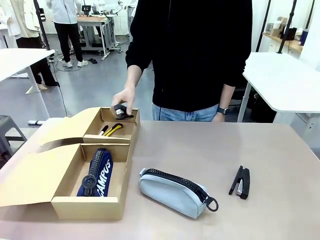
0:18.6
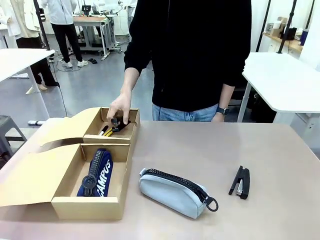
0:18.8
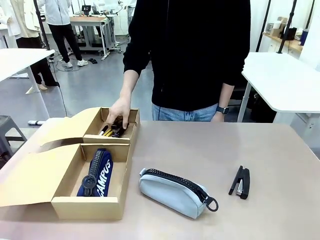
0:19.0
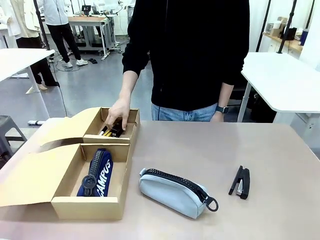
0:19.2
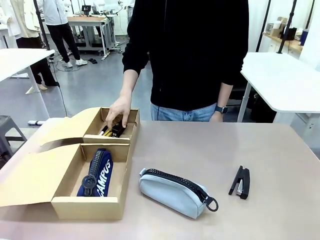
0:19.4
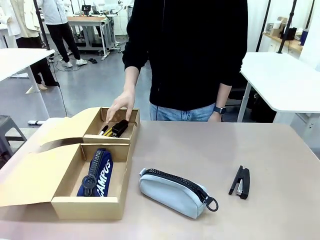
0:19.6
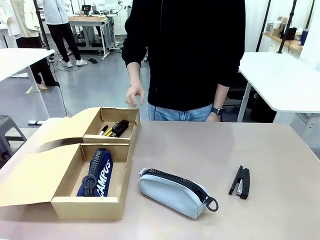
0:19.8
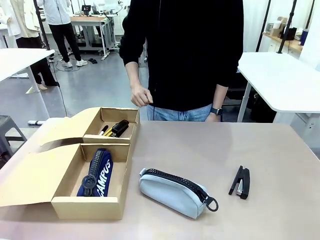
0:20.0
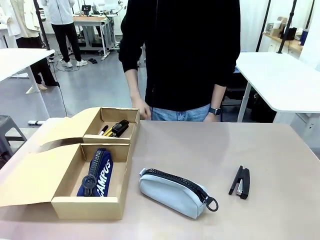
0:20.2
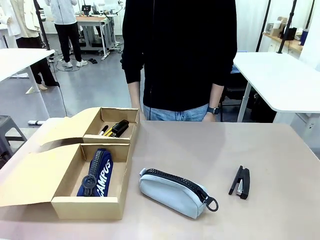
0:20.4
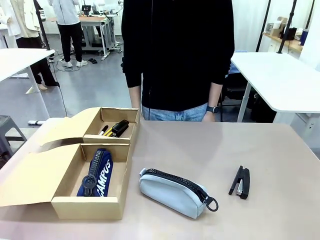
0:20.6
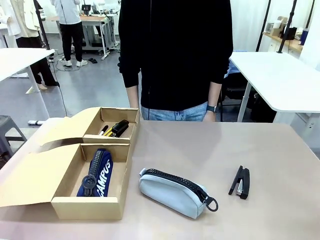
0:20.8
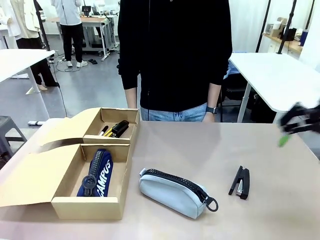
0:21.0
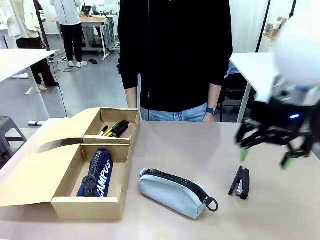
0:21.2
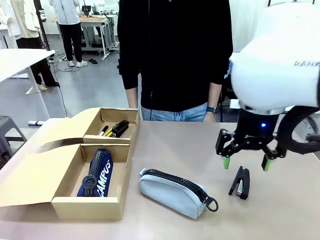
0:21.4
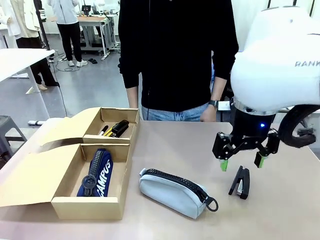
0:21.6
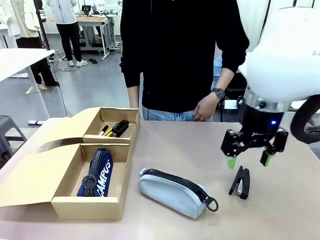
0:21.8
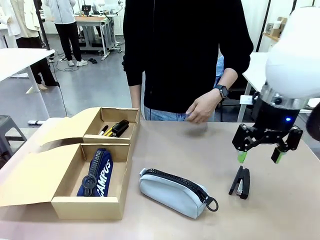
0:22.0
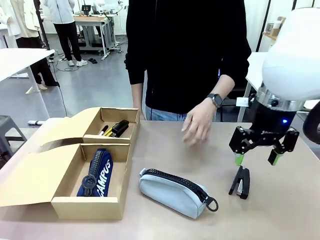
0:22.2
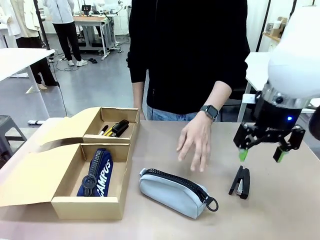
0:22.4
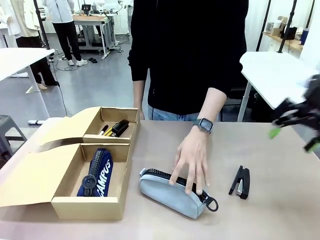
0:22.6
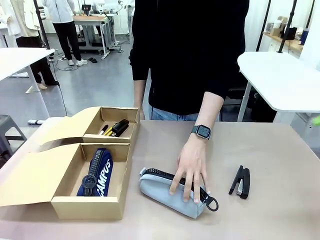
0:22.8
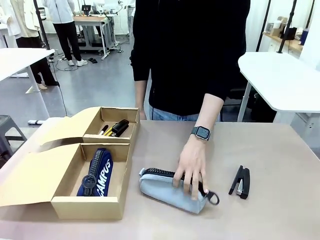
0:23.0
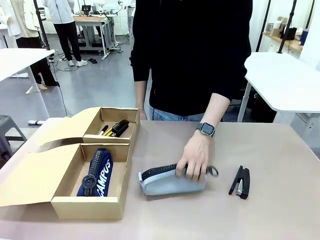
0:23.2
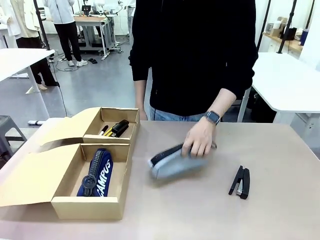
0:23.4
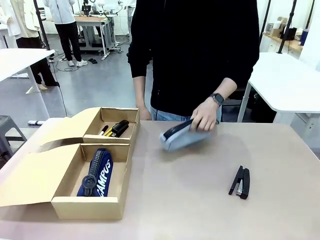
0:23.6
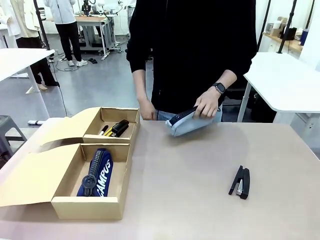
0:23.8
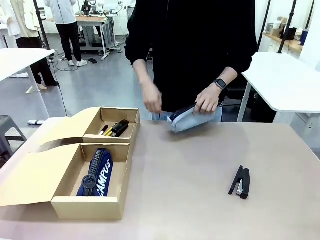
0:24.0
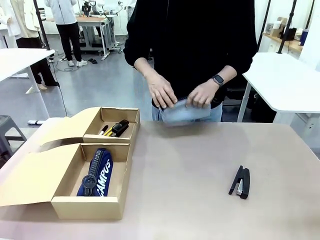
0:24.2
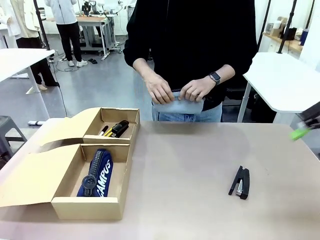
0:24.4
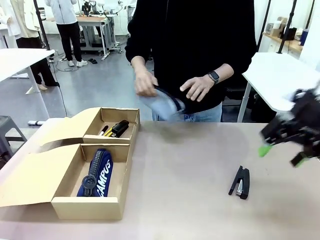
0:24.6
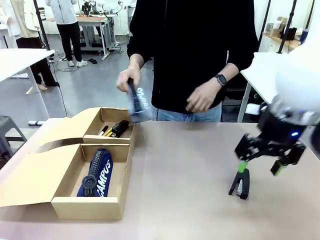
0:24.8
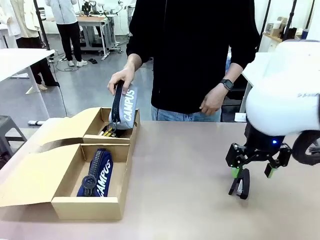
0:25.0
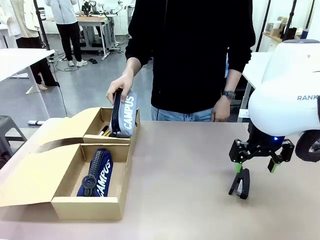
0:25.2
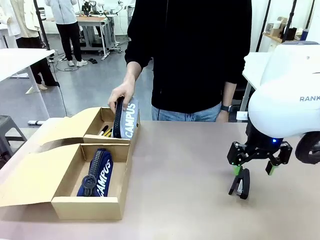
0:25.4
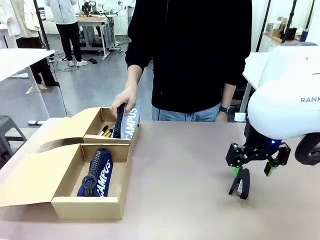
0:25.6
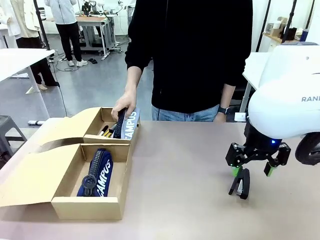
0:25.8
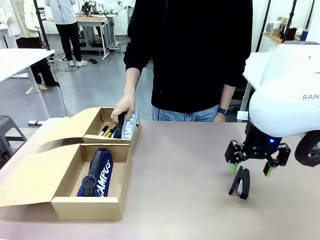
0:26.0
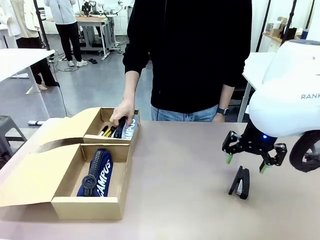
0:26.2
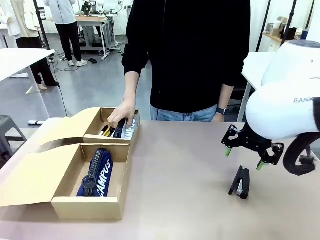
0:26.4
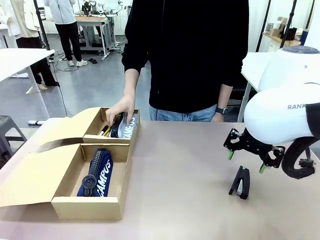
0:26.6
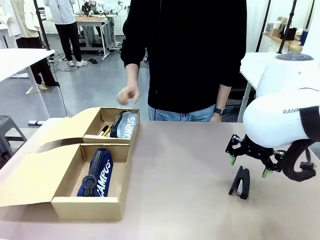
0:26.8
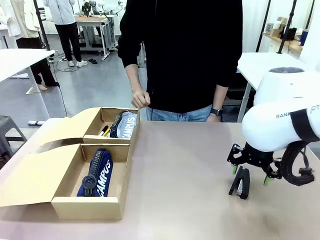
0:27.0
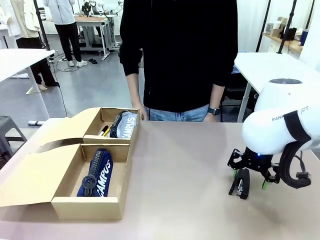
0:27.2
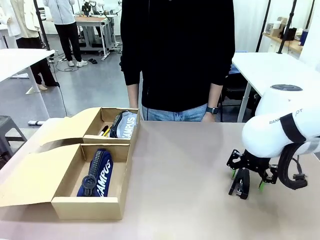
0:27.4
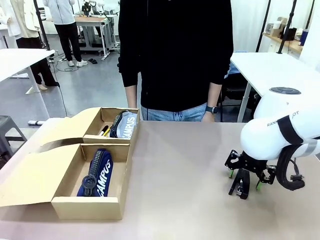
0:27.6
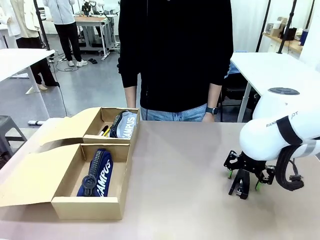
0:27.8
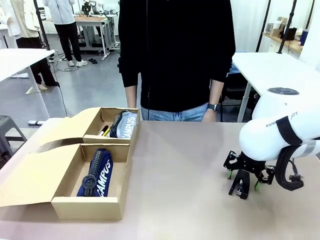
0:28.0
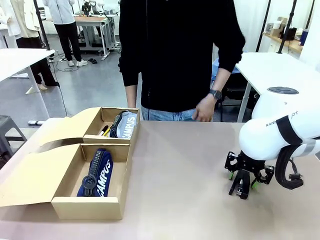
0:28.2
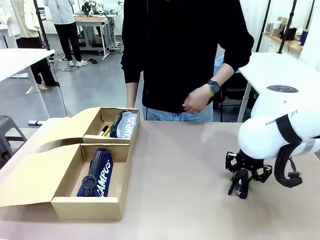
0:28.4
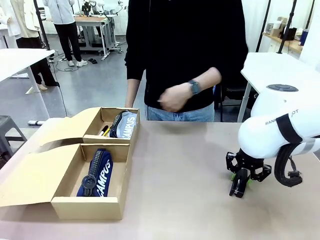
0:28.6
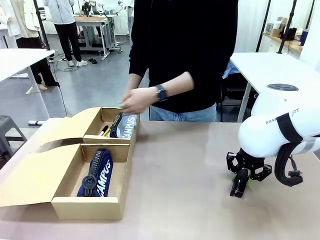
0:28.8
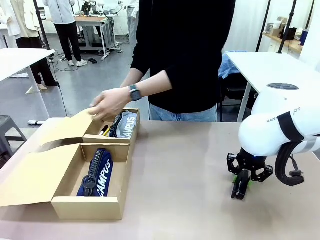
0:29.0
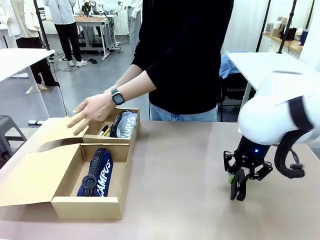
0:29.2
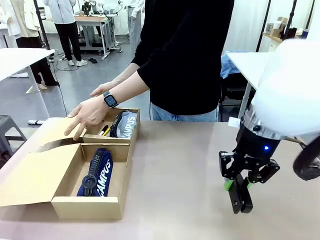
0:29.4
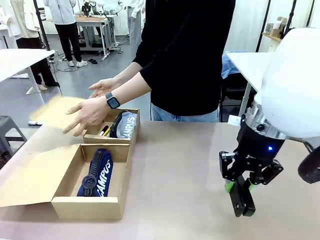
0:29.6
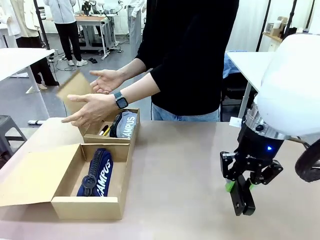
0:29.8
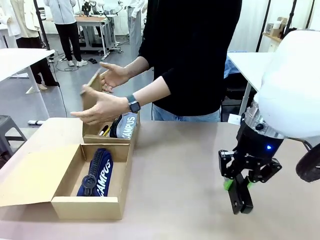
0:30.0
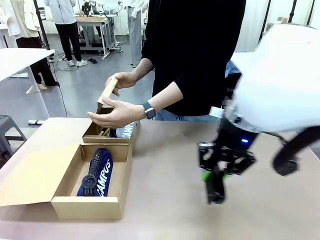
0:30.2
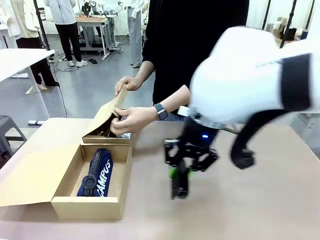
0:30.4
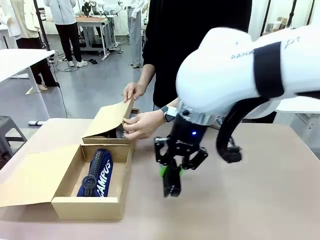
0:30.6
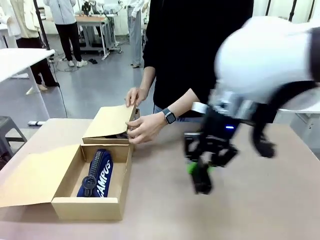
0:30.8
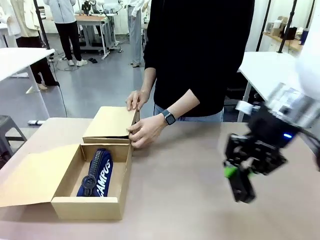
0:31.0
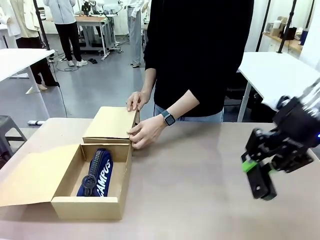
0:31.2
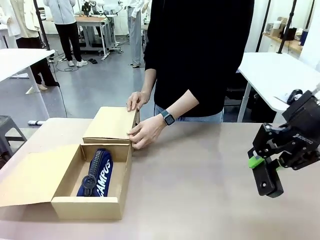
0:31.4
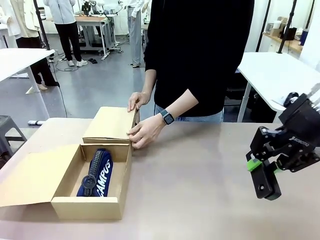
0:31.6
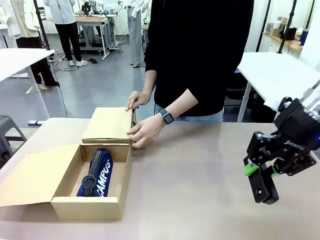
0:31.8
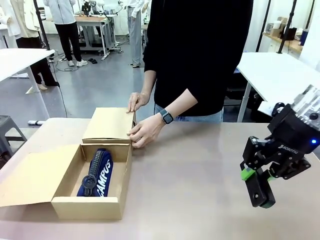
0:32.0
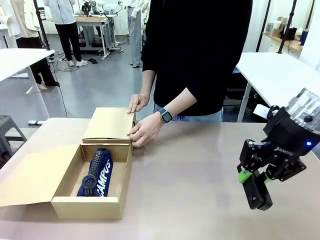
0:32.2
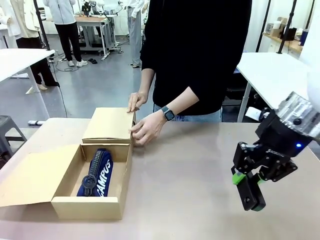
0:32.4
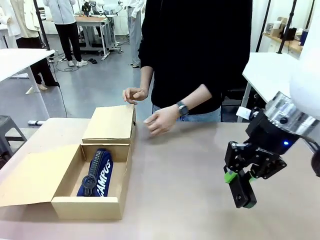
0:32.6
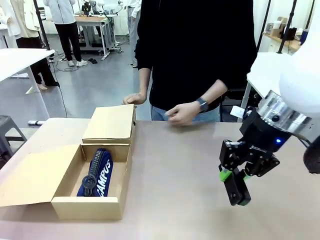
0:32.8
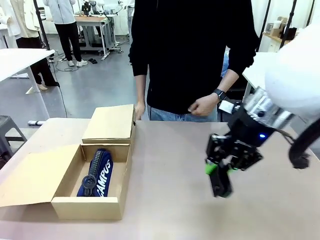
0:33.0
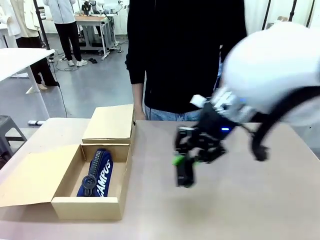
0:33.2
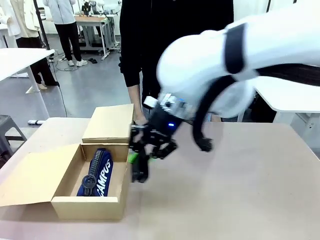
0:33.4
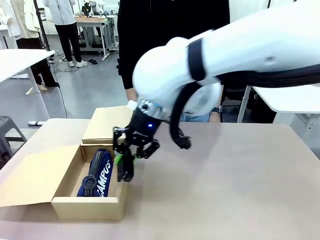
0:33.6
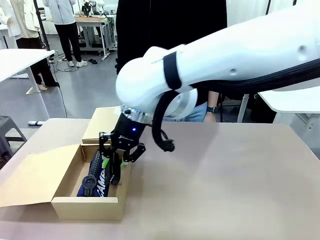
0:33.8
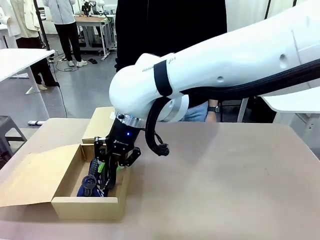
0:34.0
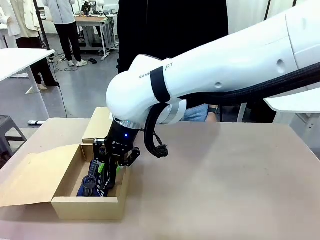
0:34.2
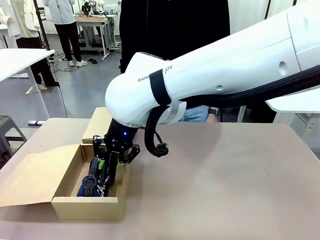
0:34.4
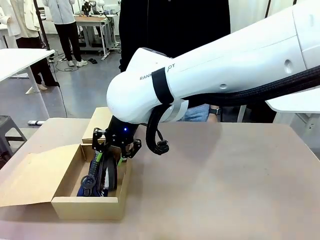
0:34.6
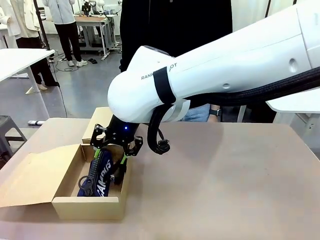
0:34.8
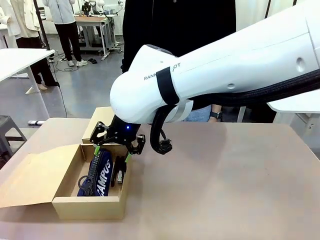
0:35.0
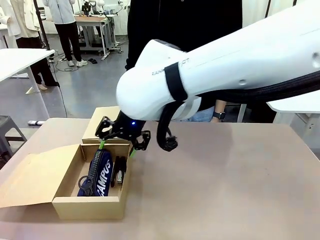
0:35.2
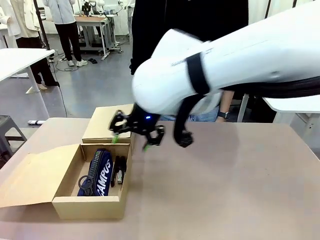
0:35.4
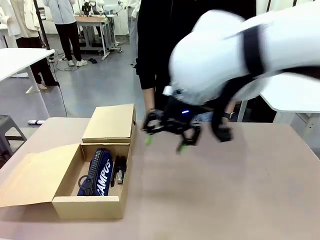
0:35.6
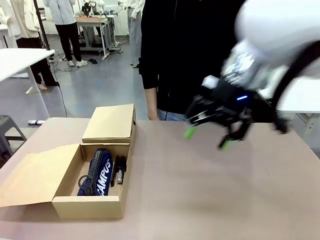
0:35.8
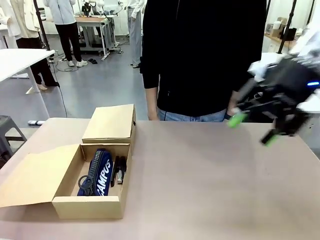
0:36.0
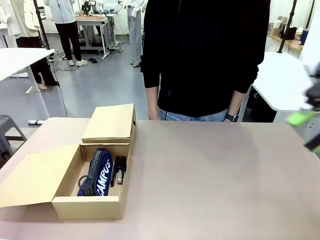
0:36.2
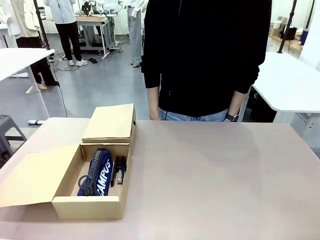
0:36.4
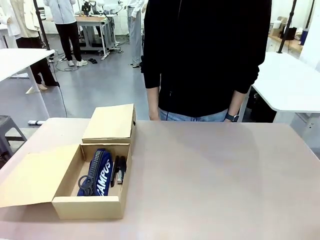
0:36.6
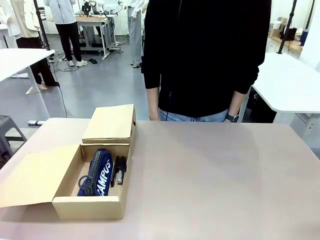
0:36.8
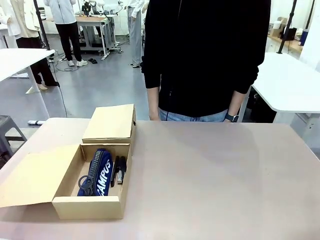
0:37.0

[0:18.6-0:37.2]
Task: Place items inside the box.
Robot: Pick up a Pencil pouch or Stapler and place it inside the Mailer Box closest to the robot.
